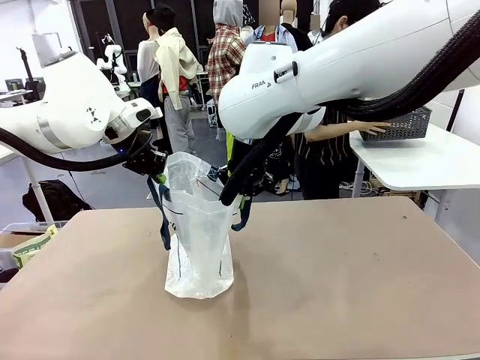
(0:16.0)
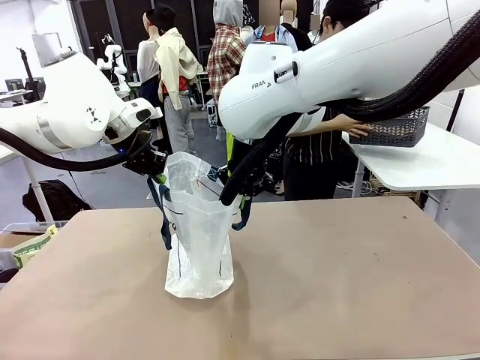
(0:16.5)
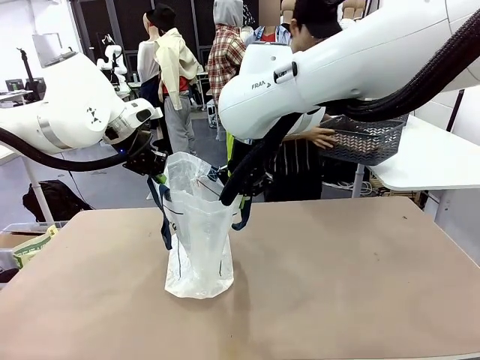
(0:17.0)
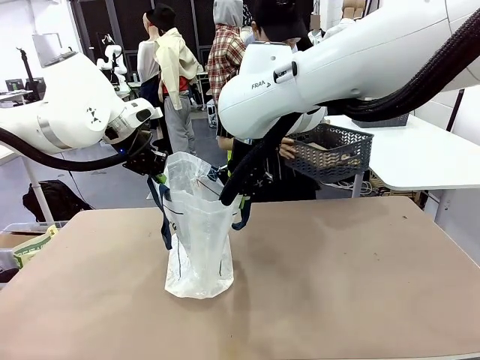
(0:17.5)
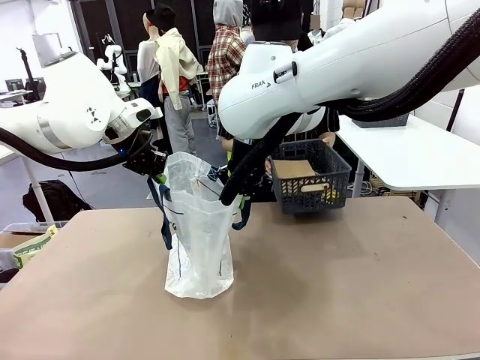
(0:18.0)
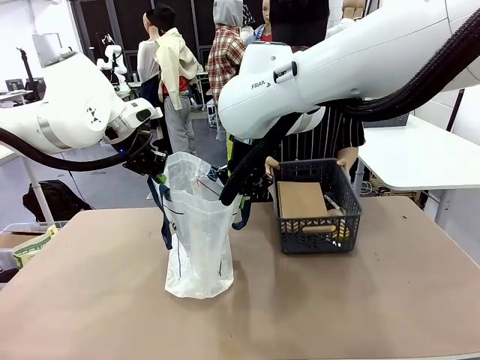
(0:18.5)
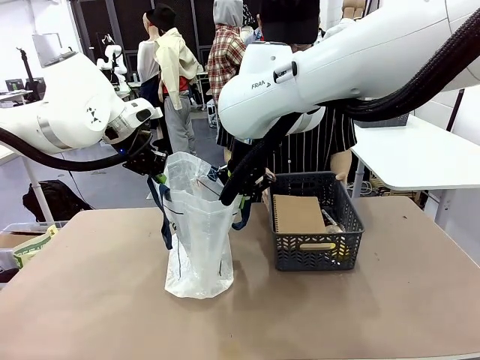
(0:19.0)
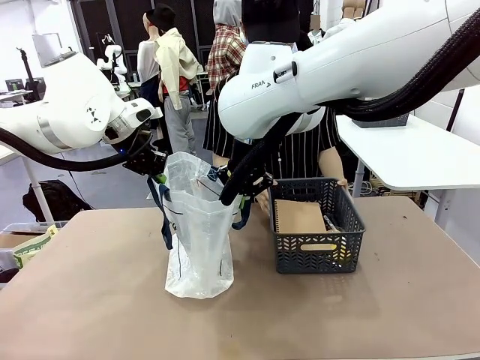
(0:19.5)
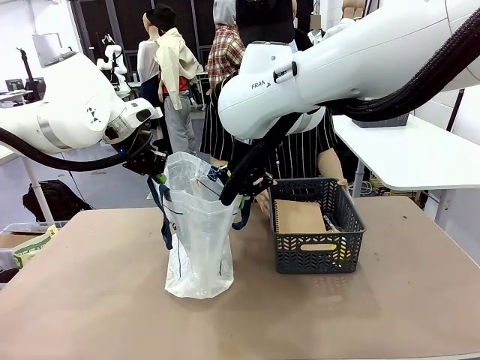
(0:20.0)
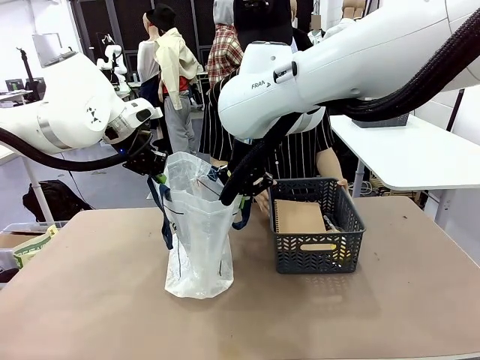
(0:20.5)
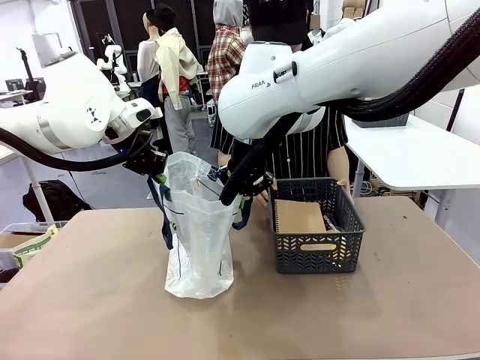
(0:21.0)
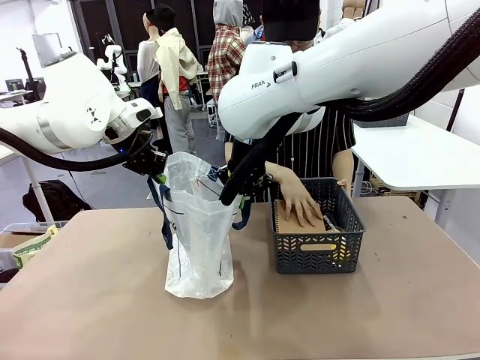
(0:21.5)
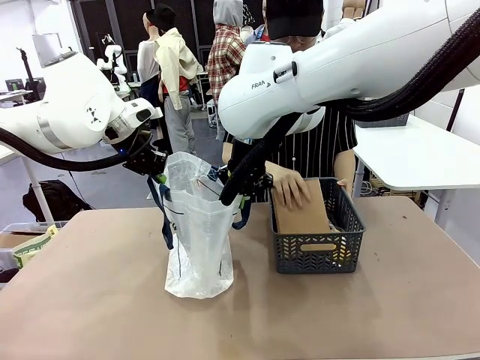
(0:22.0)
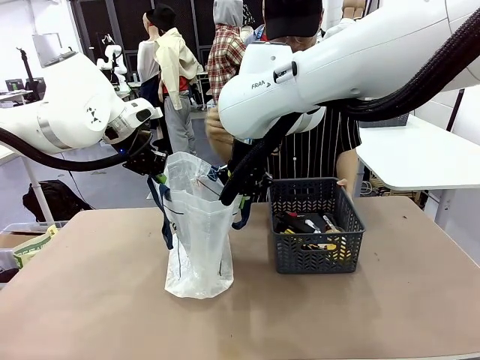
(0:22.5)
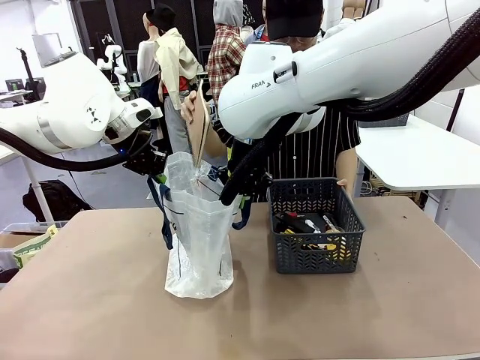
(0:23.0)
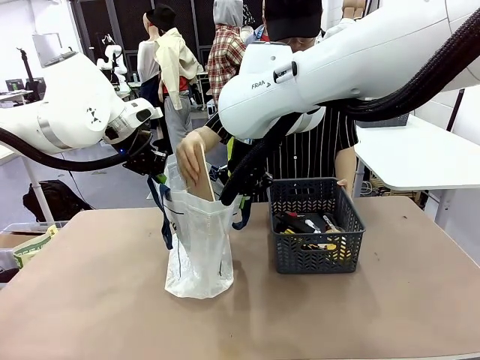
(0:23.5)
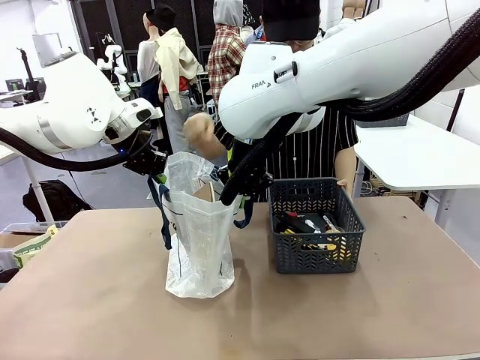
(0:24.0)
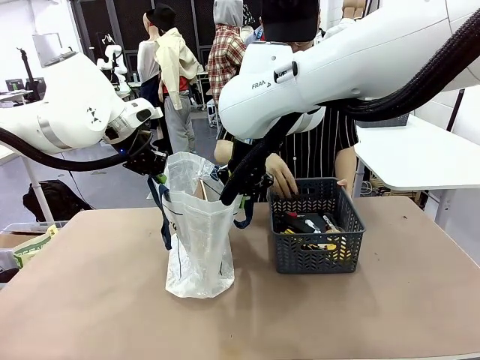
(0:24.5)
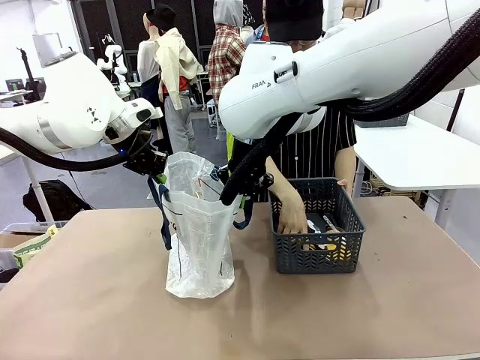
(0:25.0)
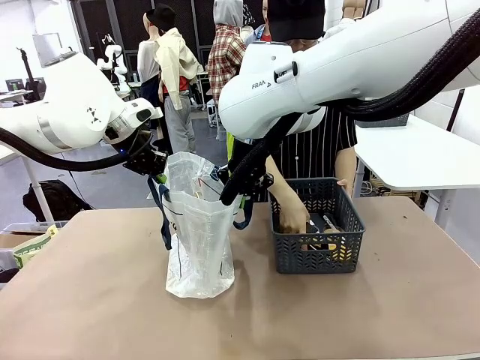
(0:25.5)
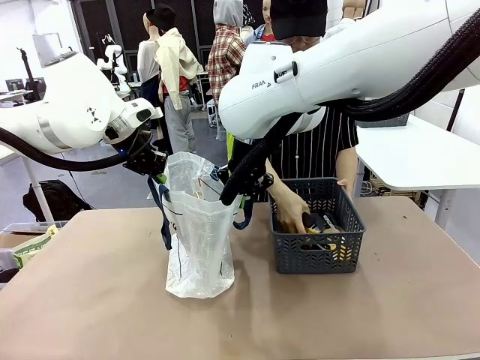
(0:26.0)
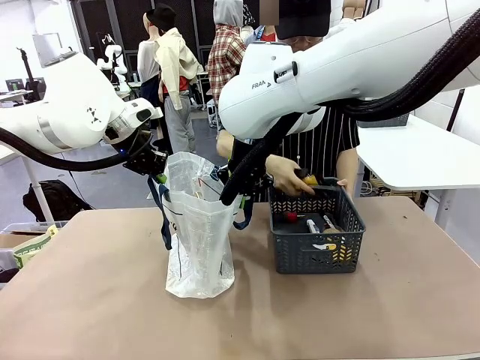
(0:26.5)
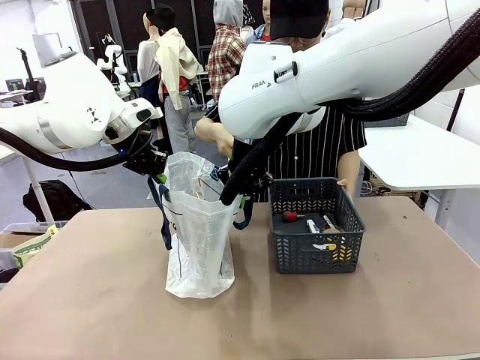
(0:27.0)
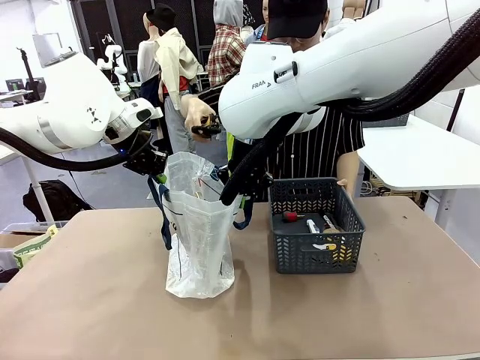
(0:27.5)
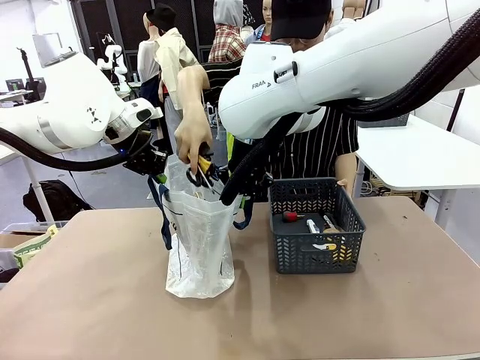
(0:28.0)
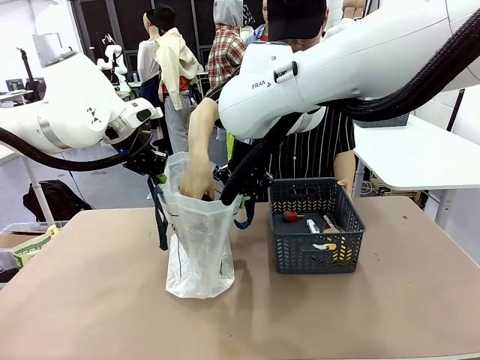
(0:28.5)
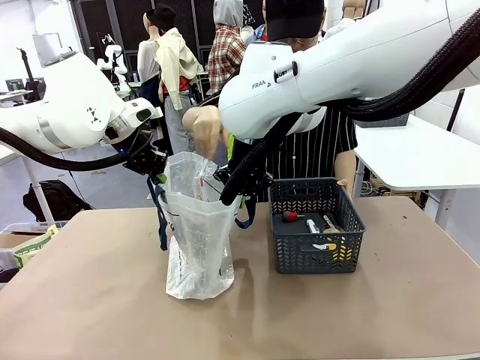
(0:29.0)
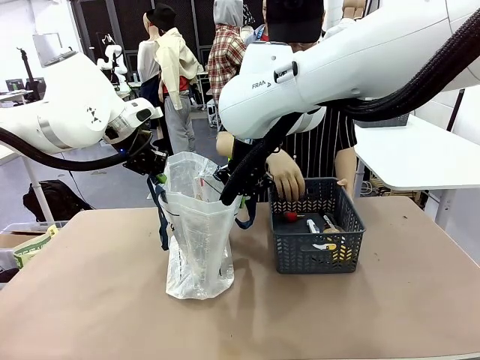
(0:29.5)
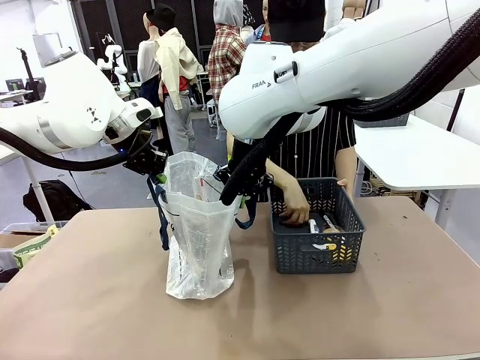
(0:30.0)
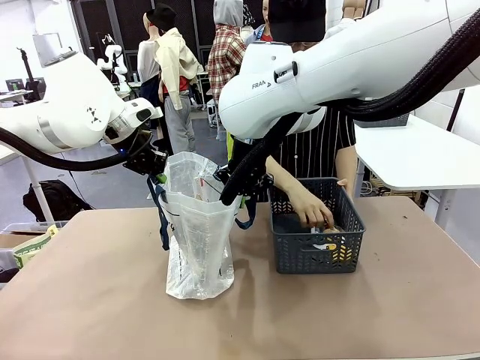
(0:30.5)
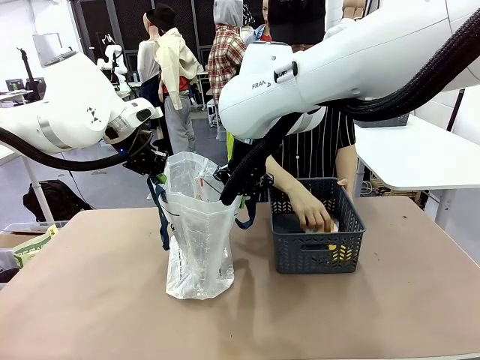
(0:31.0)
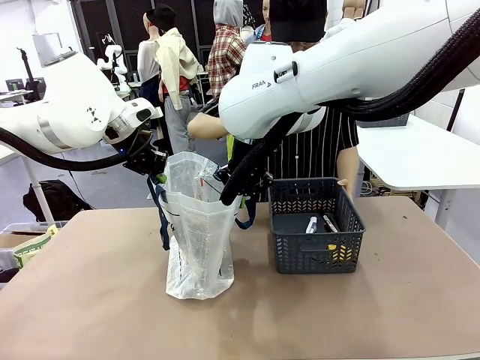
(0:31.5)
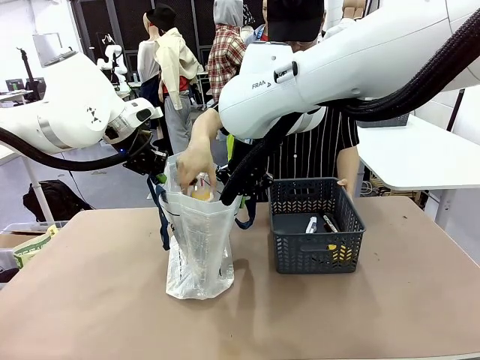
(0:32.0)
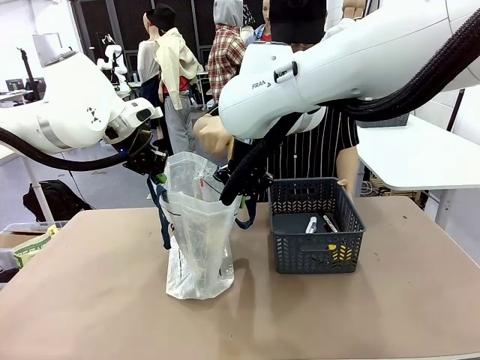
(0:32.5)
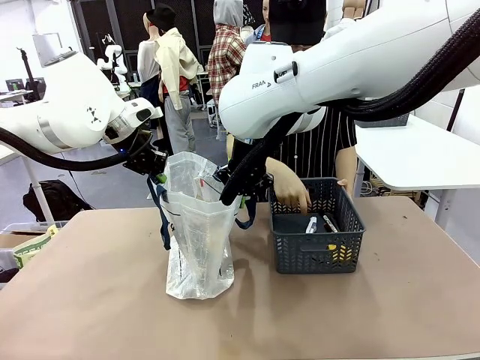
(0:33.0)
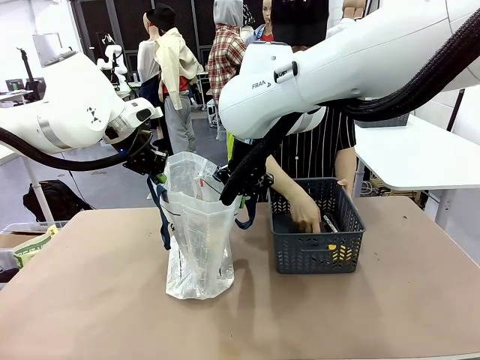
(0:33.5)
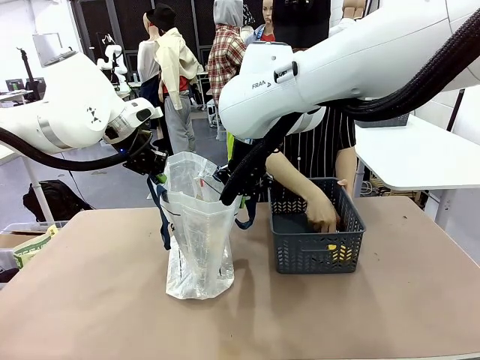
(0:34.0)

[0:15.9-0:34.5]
Task: Transfer purchased items from the store into the shopping bag.
Robot: Move the Reusable shopping bag to the right side of the table.
Person: Pick up the basket with the items out and place it on the right side of the human table.

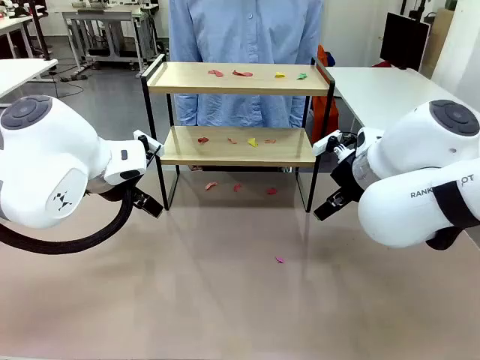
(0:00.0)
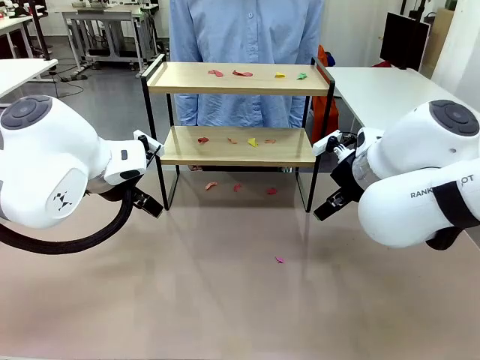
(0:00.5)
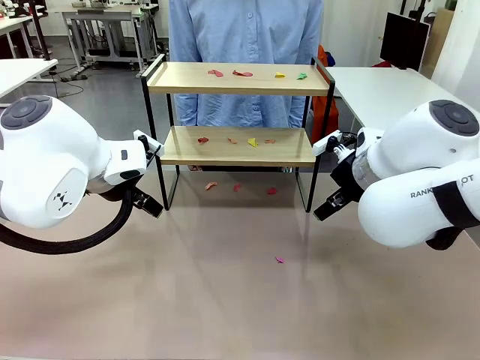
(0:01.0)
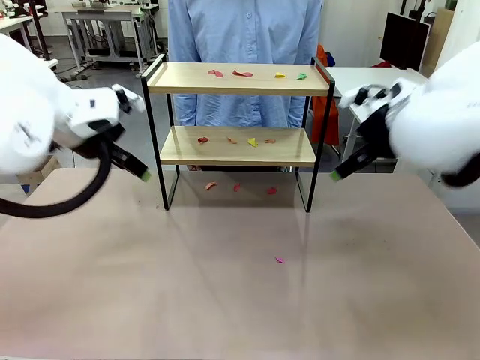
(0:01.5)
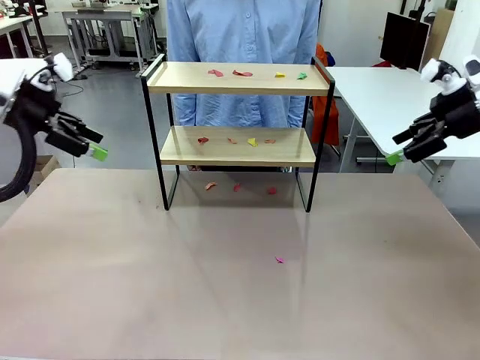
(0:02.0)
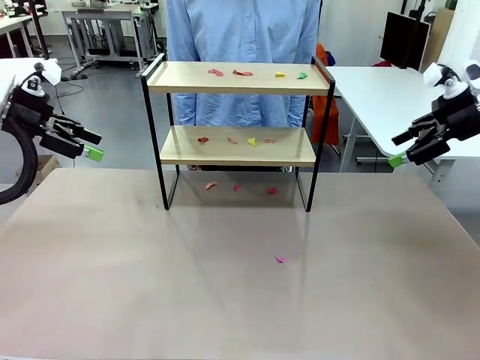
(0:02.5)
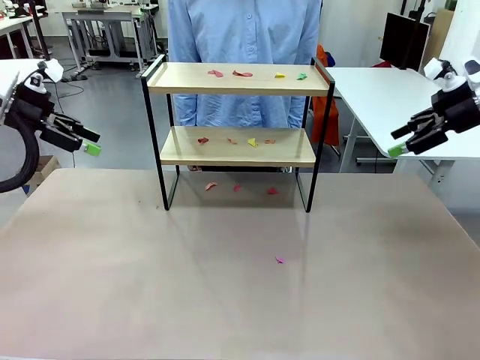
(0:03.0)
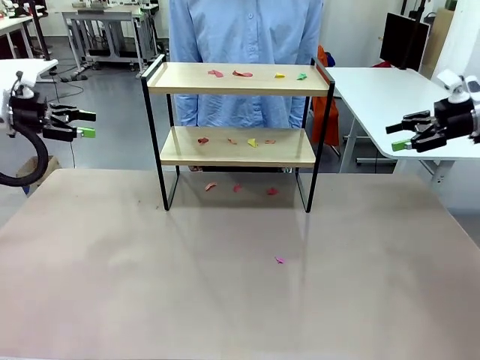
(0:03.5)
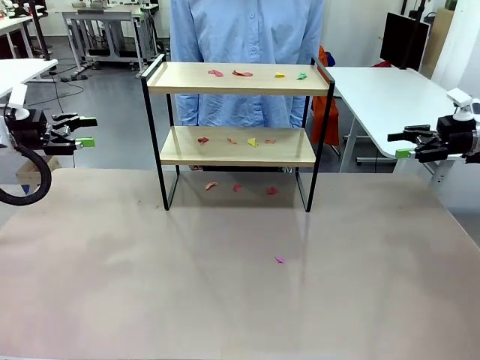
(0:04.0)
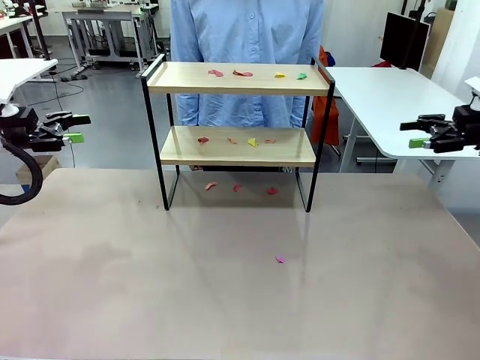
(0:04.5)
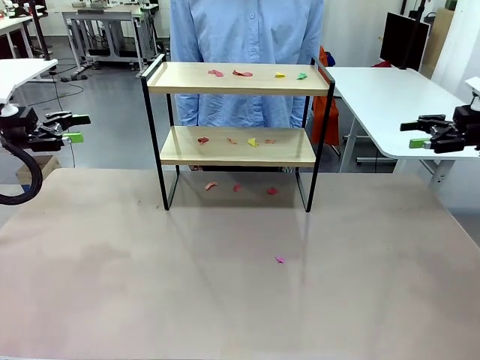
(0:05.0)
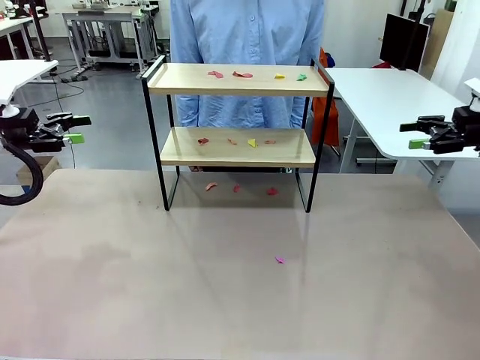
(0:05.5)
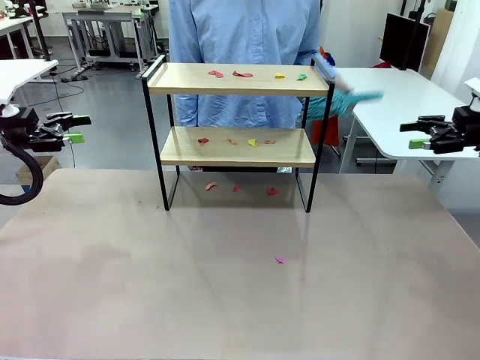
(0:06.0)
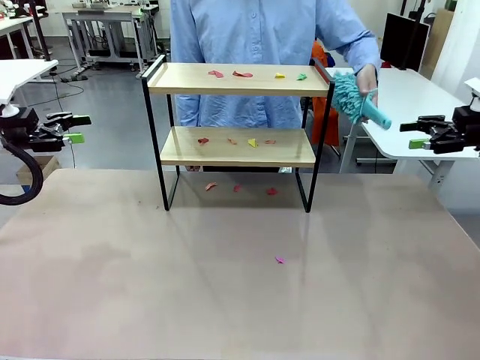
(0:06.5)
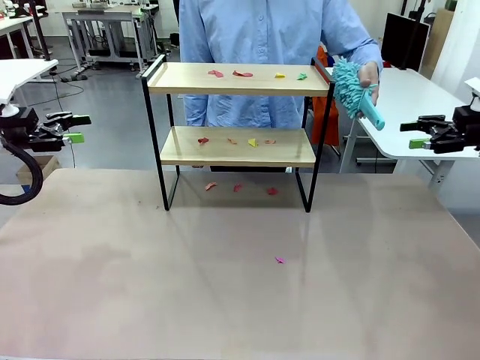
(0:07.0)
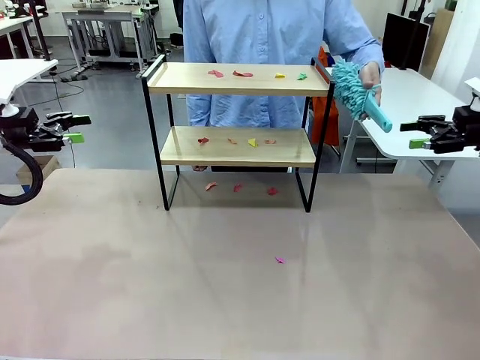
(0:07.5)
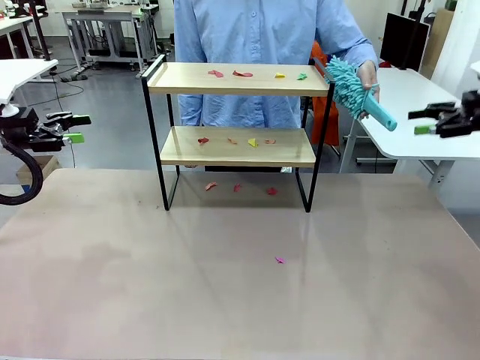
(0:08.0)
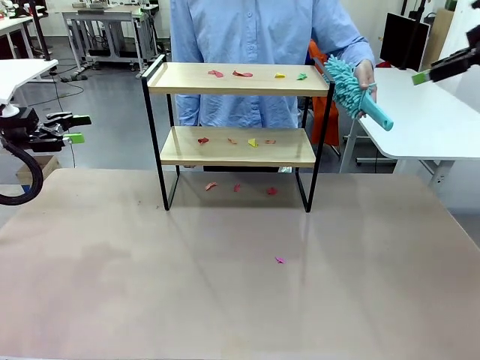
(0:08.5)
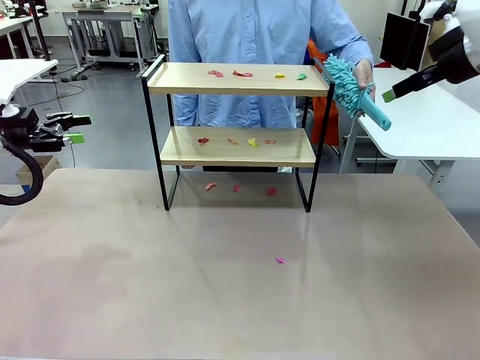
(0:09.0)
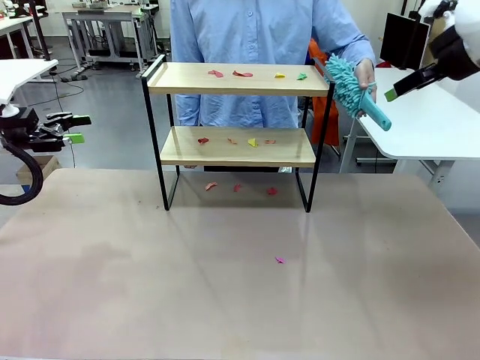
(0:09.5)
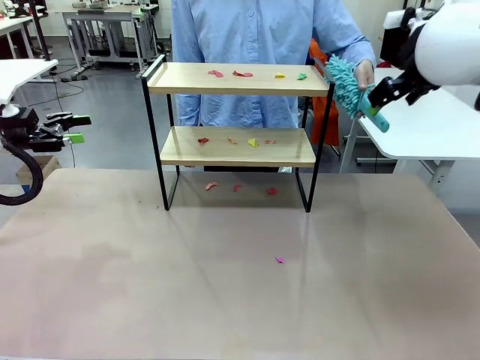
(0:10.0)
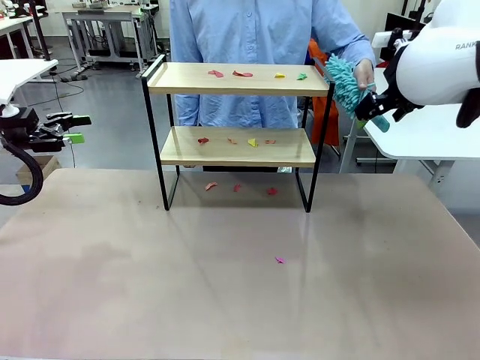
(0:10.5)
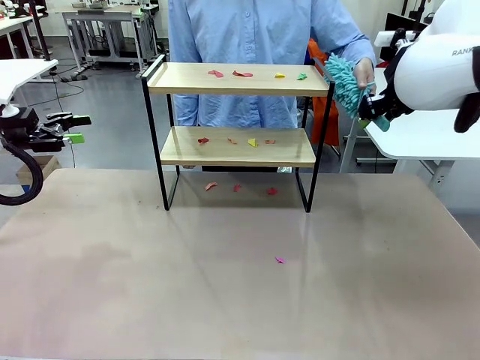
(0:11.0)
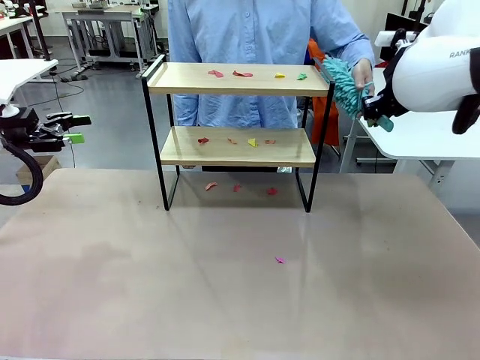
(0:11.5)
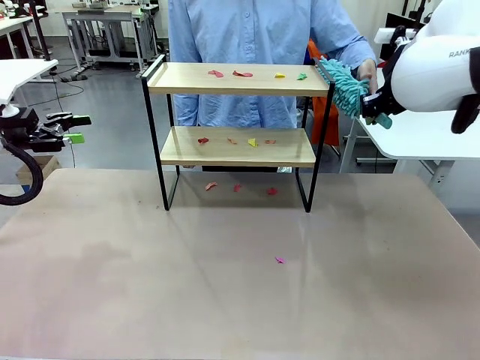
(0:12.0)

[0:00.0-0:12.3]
Task: Clean the shelf.
Robot: Pick up the Duster handed by the human.
Person: Hand the Duster to the robot.
